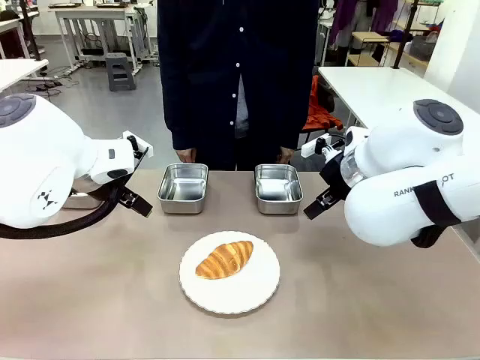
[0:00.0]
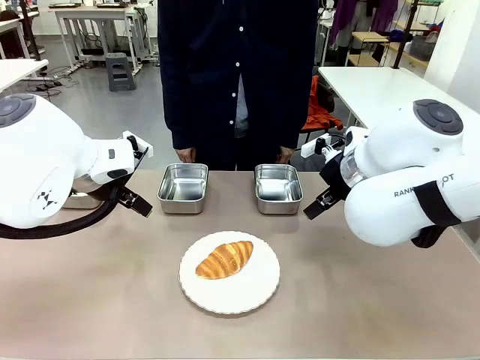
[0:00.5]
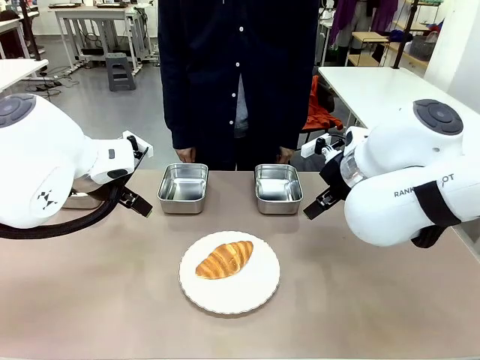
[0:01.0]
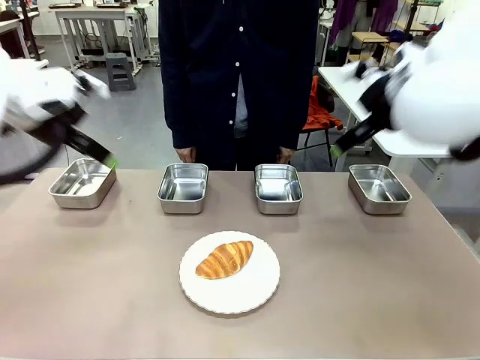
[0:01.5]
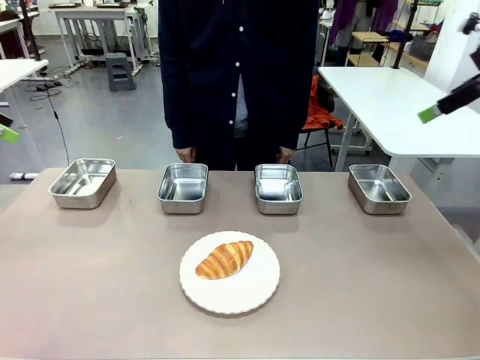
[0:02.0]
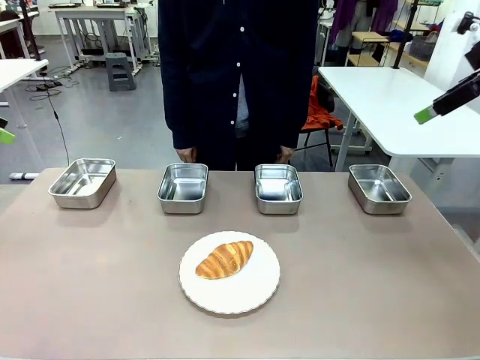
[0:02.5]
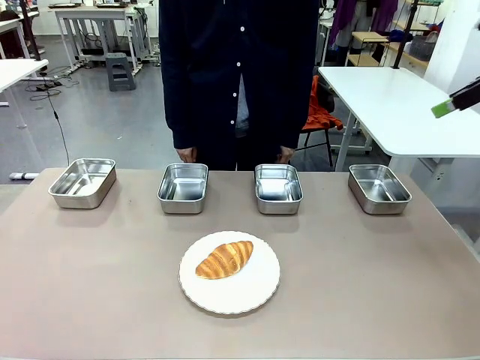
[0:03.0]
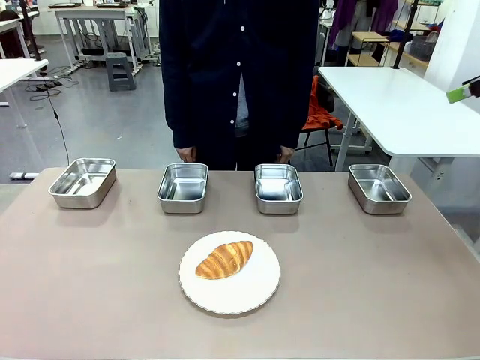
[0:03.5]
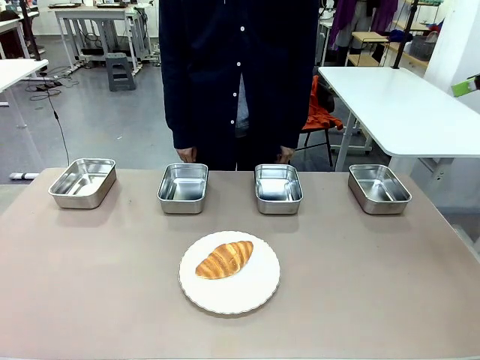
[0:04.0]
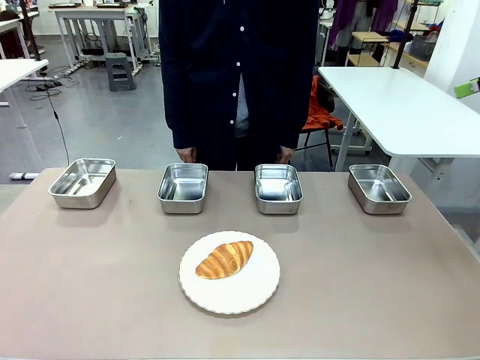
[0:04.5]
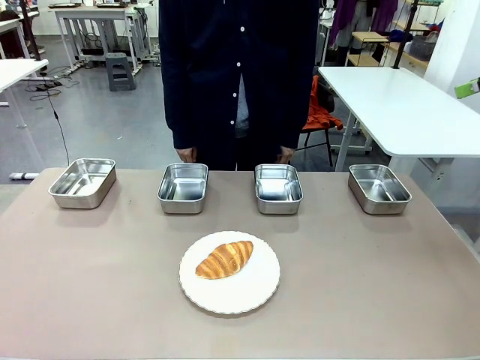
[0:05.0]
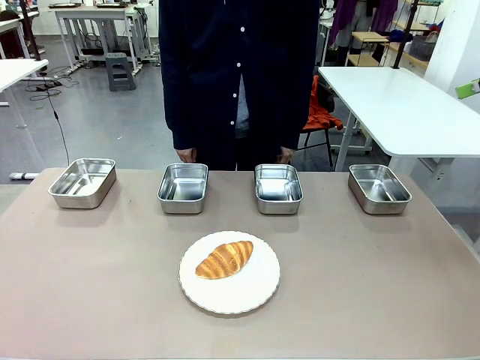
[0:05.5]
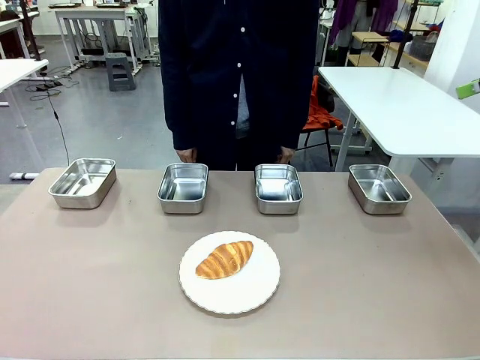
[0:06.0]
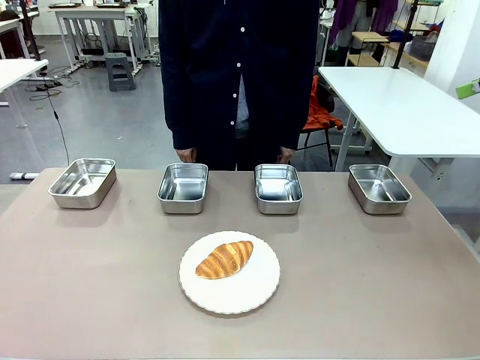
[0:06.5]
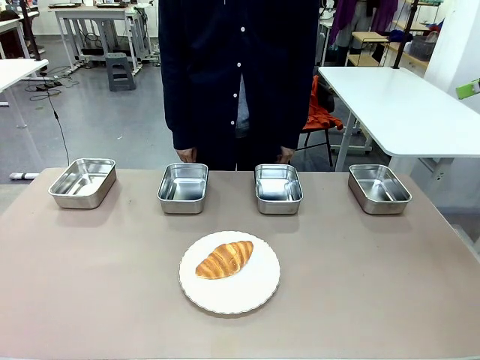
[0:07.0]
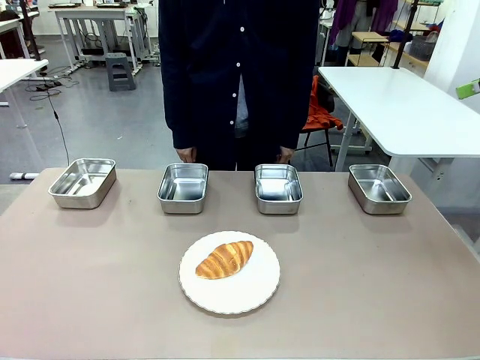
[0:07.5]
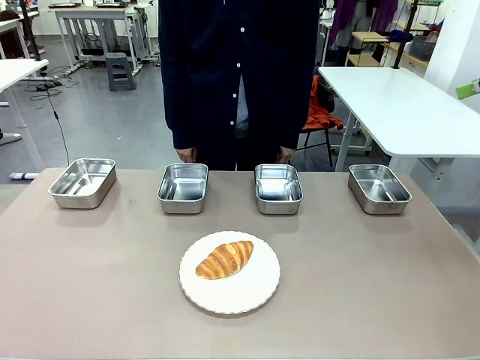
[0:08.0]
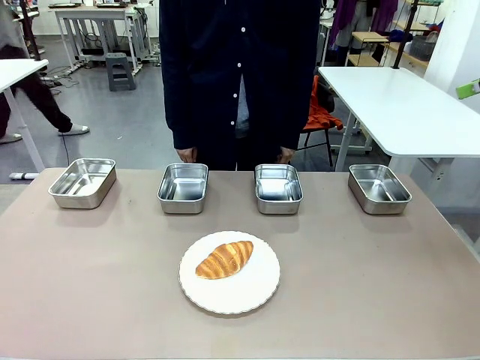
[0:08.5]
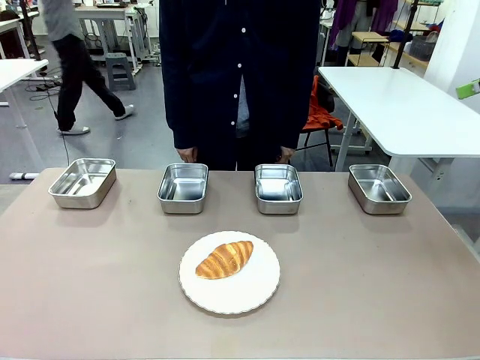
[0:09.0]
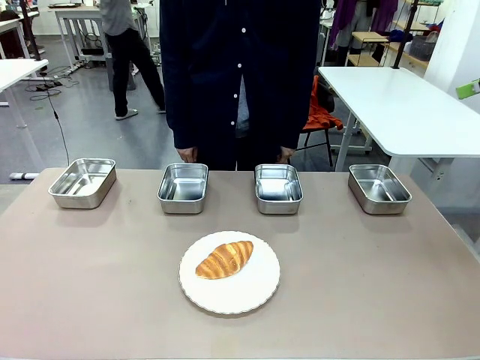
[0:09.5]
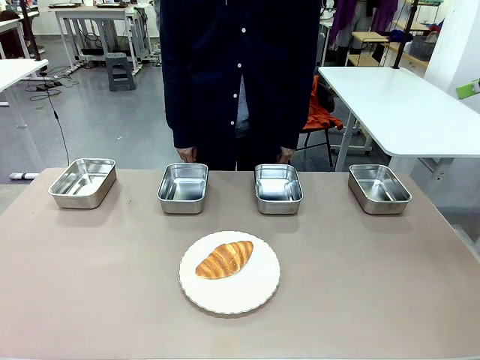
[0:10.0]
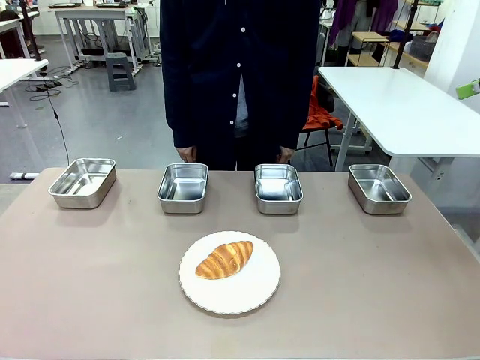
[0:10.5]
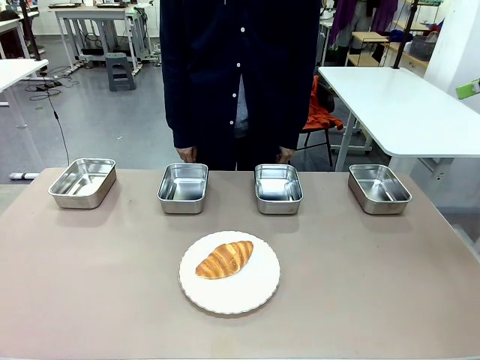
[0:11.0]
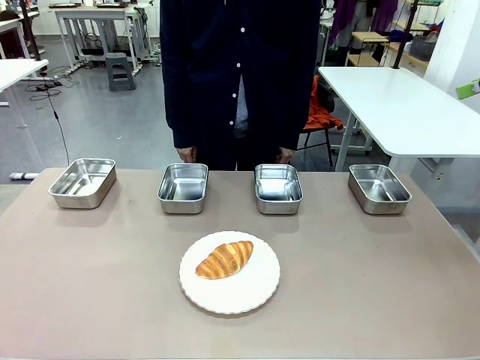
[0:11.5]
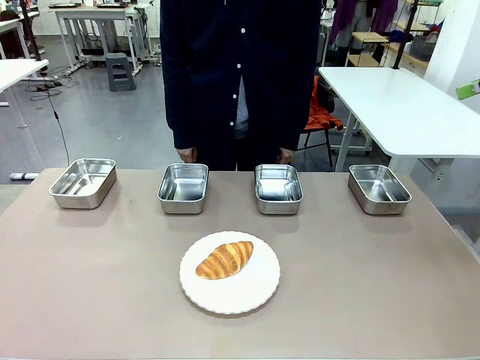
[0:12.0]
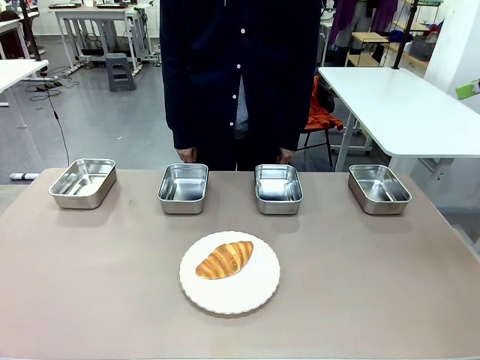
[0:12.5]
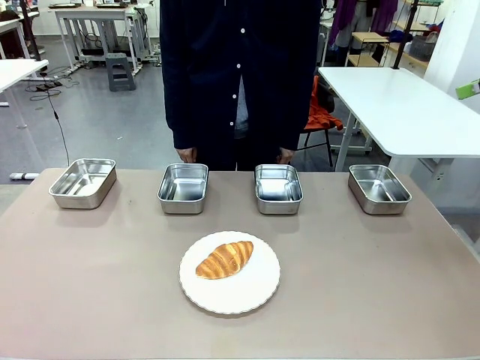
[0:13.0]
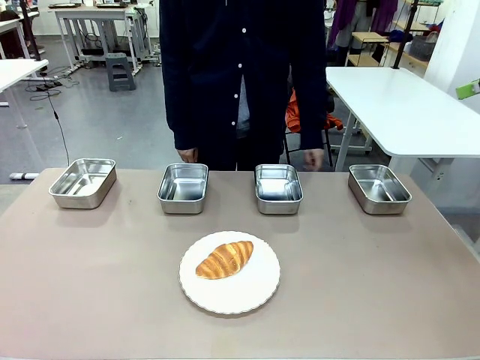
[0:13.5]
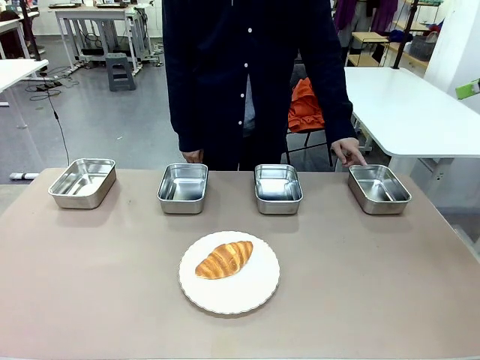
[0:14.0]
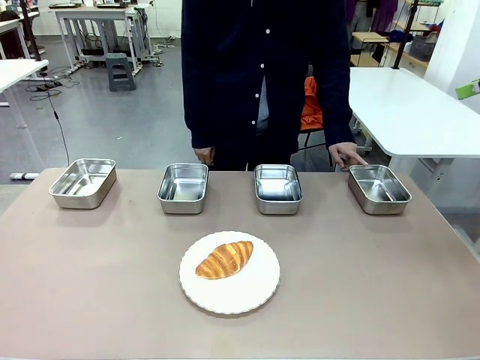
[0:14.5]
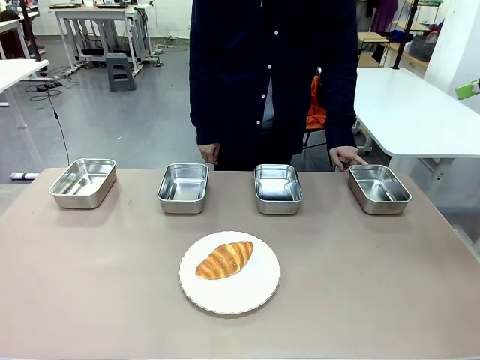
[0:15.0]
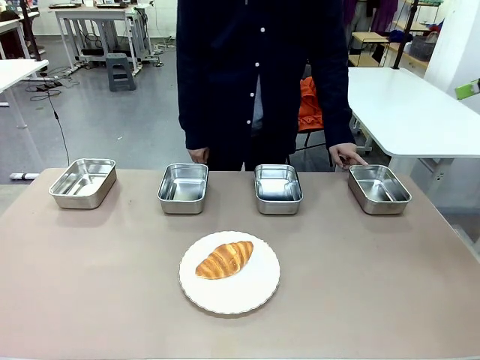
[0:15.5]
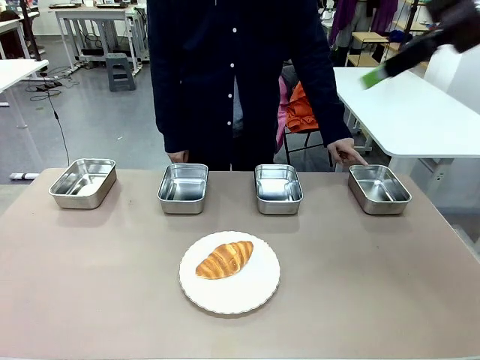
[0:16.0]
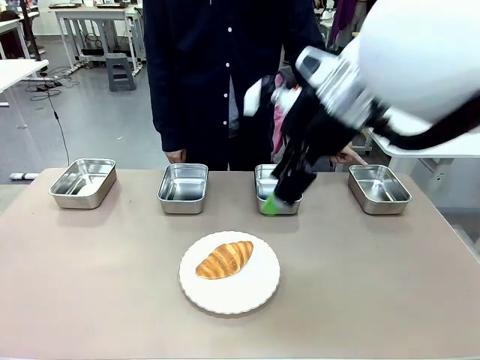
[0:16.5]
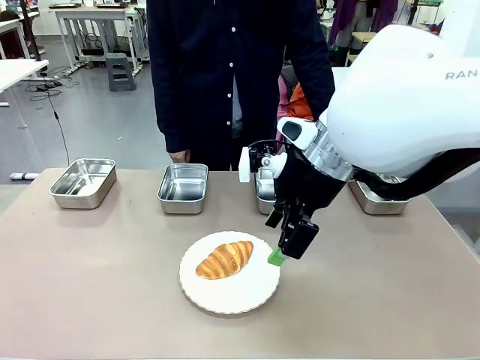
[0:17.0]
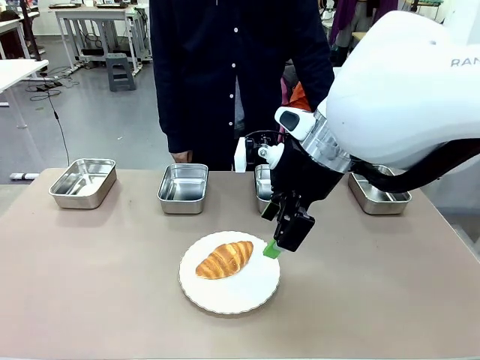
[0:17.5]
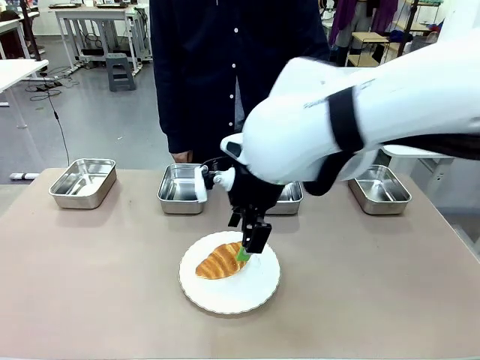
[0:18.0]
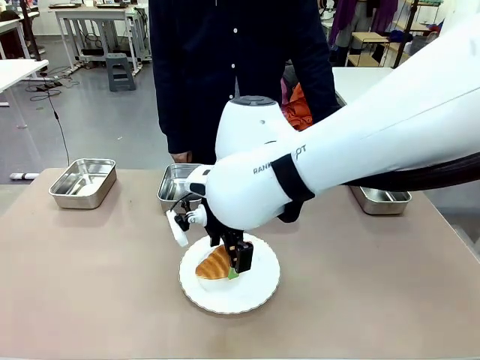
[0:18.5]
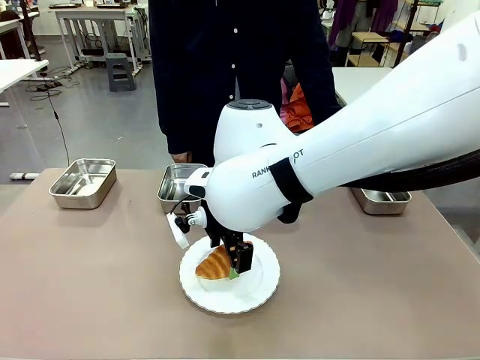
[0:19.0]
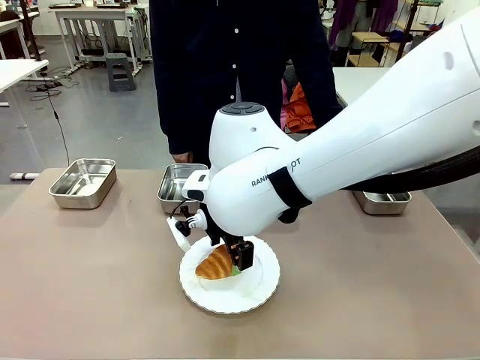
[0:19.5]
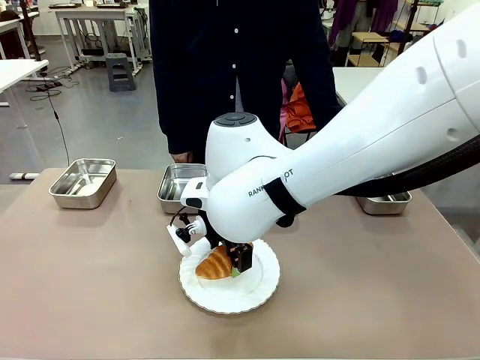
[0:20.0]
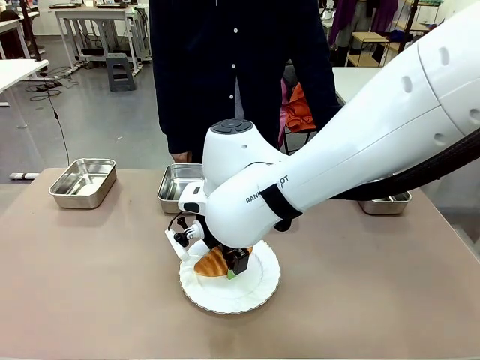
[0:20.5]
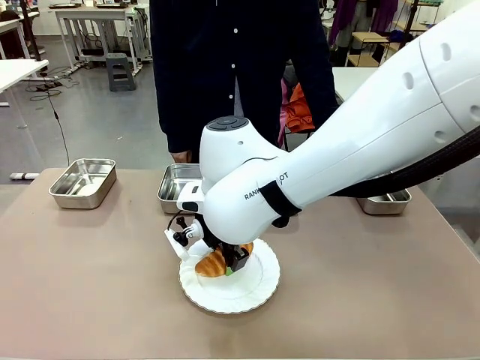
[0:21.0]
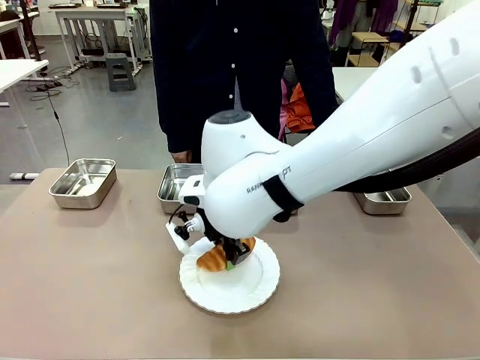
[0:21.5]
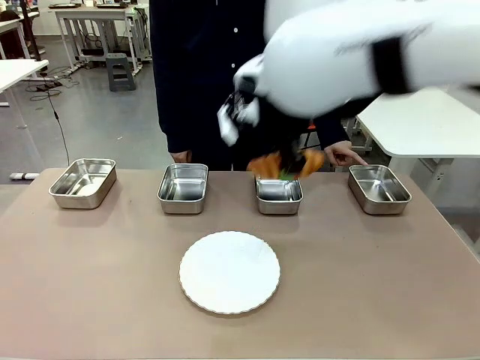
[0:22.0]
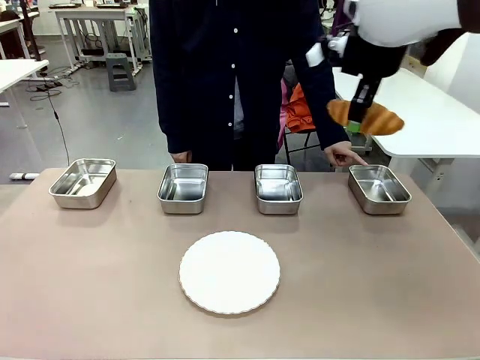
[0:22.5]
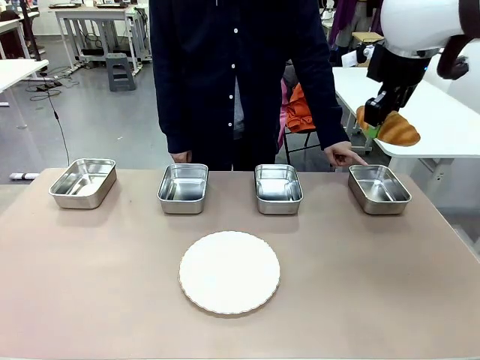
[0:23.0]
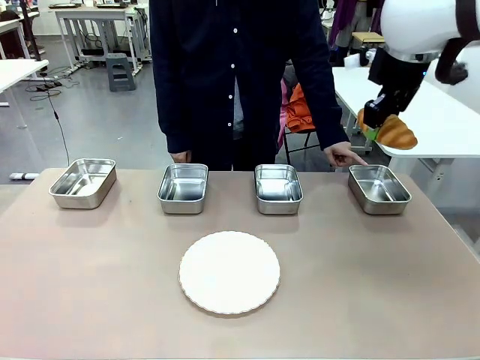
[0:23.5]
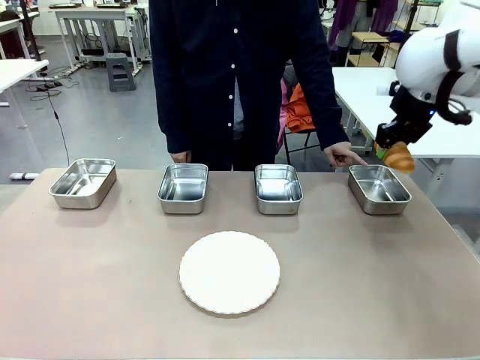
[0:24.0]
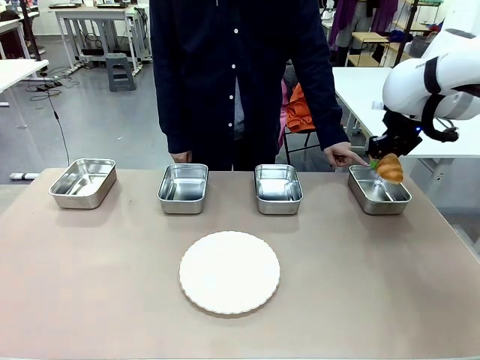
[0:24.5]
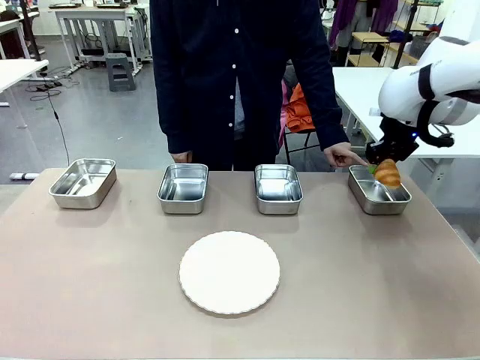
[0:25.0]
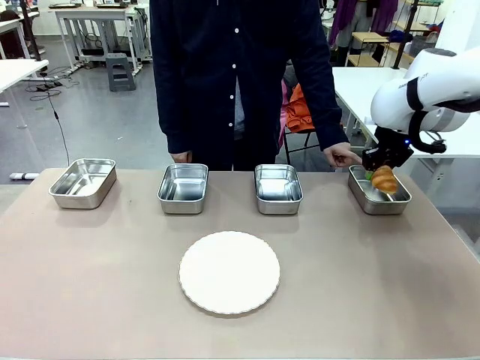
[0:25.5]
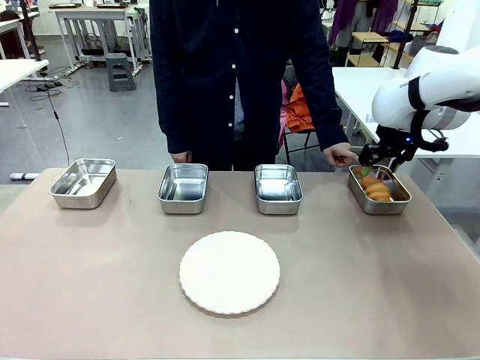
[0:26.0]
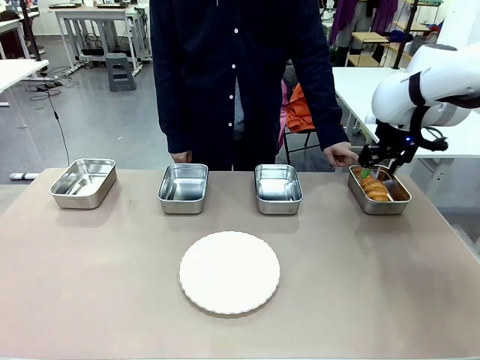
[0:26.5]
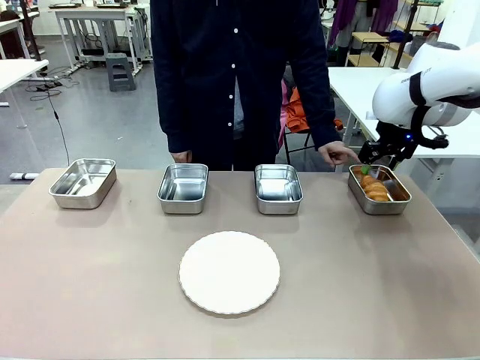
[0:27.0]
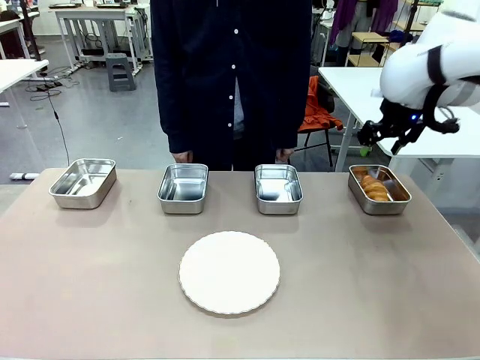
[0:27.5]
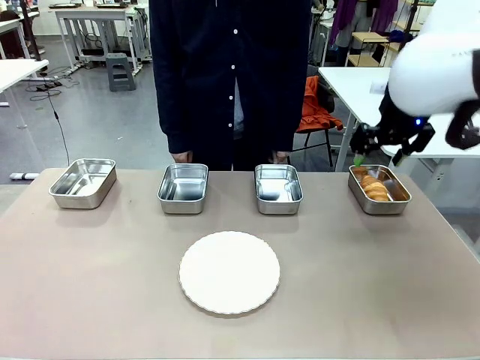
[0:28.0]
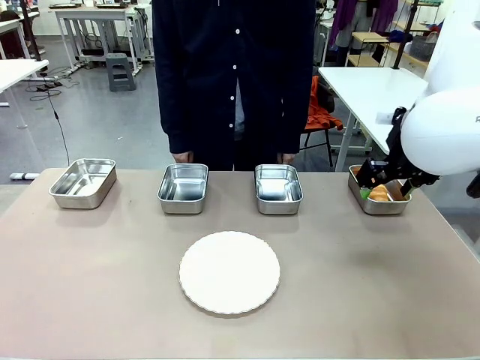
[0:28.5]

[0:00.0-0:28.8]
Task: Place the bread in the container.
Robot: Place the Butter Roll into the Airtight Container indicated by the human.
Person: A person randomly selects and points to an Airtight Container.
